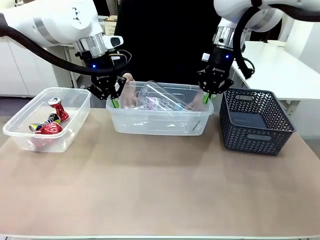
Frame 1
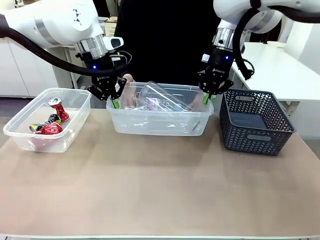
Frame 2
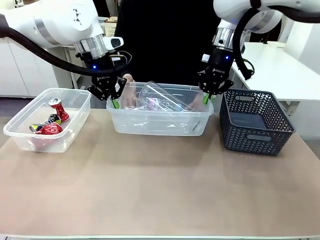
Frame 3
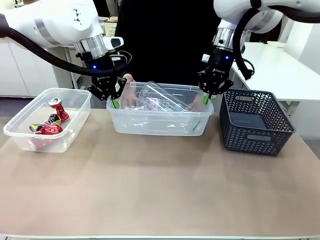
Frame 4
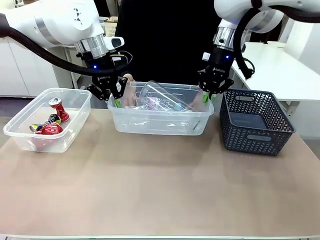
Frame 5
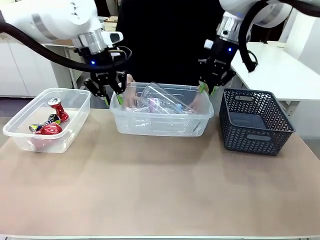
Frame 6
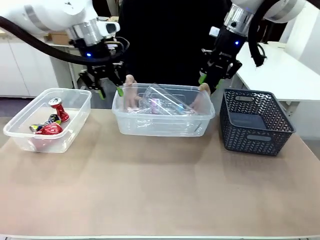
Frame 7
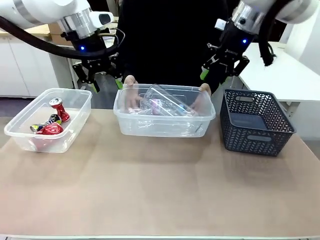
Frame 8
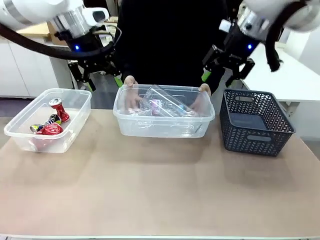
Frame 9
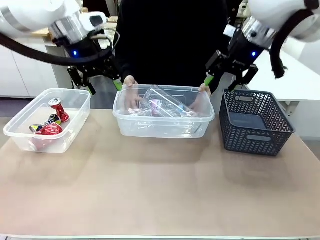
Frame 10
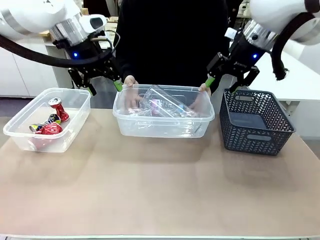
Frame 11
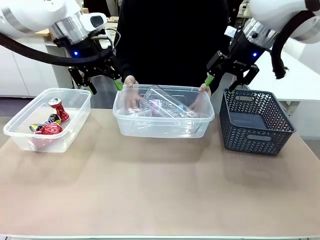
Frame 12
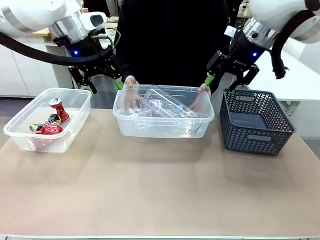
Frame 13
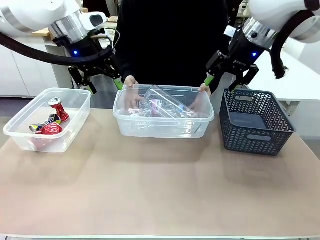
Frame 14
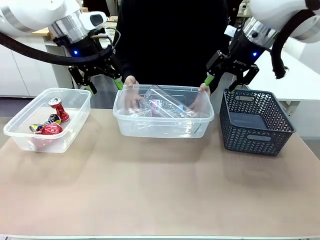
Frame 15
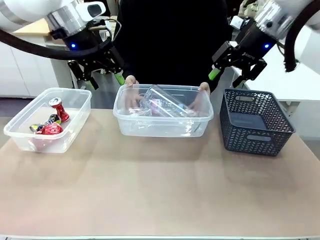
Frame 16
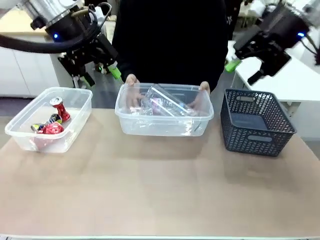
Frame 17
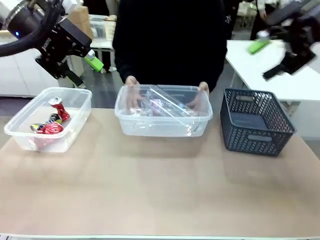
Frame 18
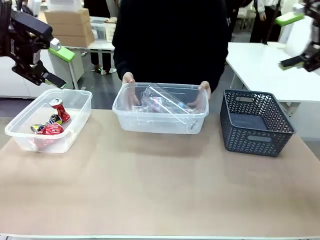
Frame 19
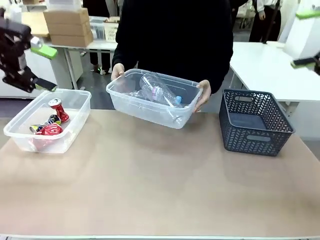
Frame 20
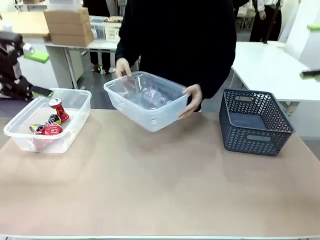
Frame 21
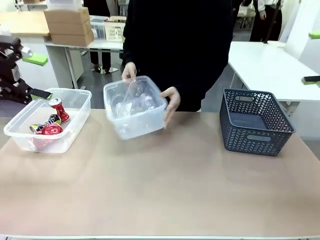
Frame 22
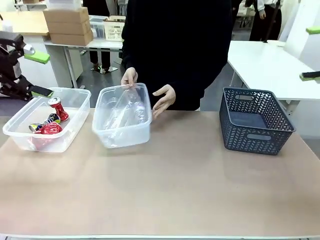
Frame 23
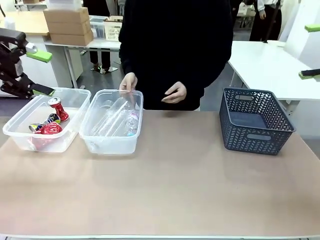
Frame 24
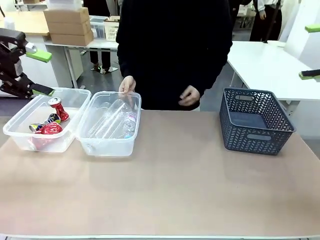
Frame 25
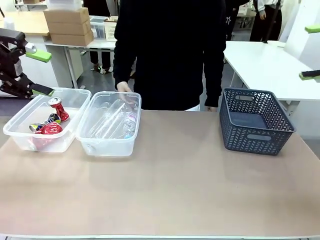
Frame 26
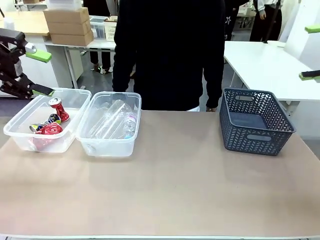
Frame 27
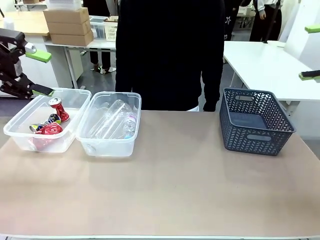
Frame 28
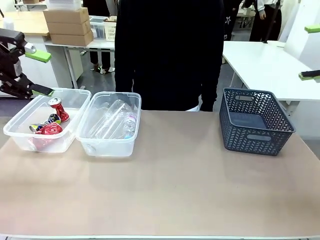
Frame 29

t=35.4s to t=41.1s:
Robot: Release the Organizing box you were holding.
Person: Pick up the organizing box extended by the robot. Place the organizing box to the left of the sorting box containing the can waste.

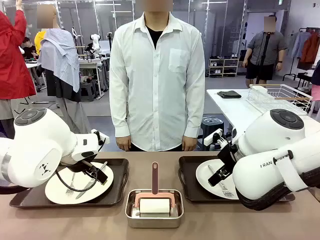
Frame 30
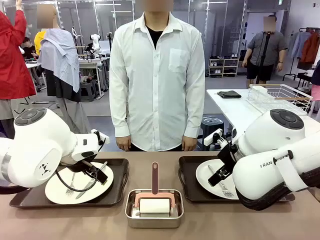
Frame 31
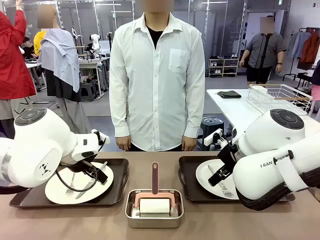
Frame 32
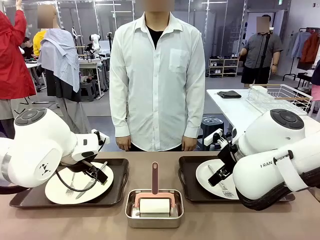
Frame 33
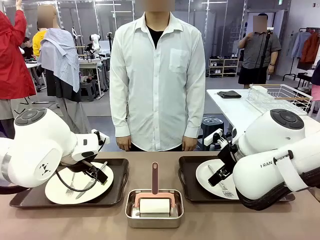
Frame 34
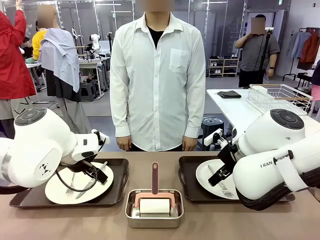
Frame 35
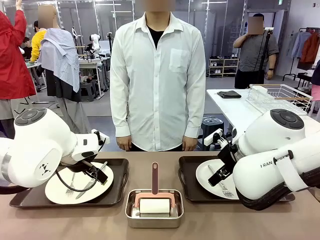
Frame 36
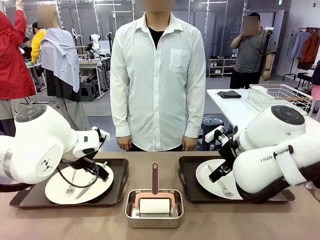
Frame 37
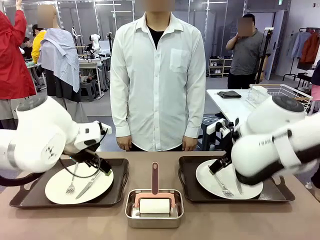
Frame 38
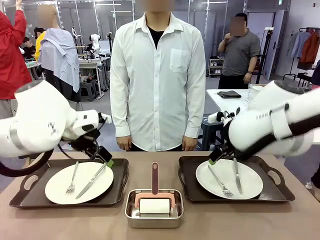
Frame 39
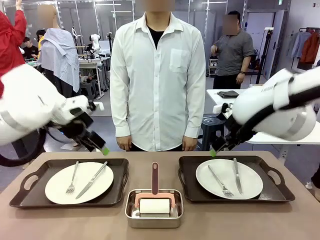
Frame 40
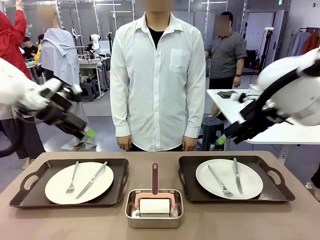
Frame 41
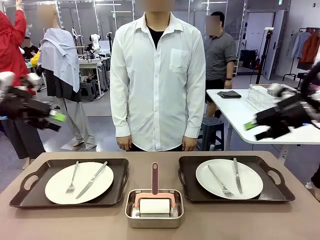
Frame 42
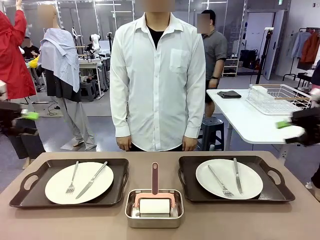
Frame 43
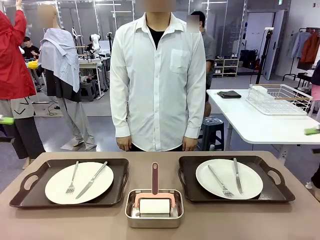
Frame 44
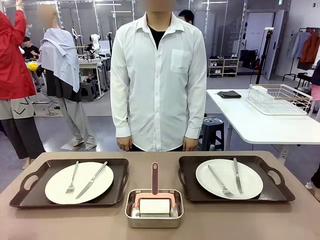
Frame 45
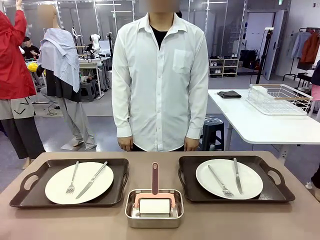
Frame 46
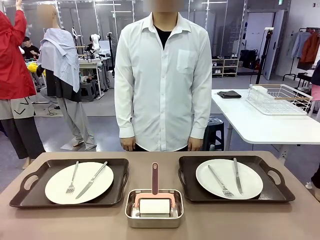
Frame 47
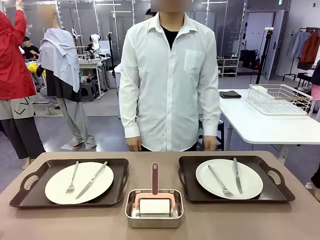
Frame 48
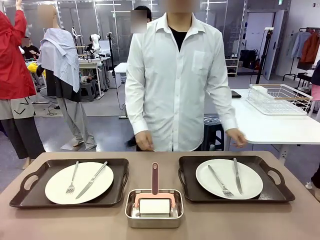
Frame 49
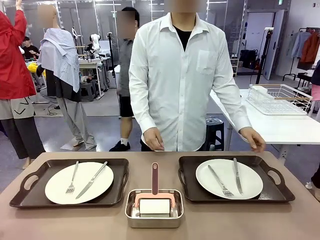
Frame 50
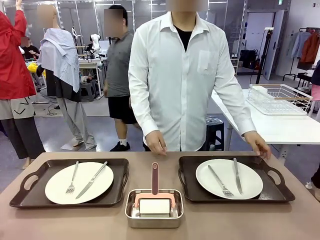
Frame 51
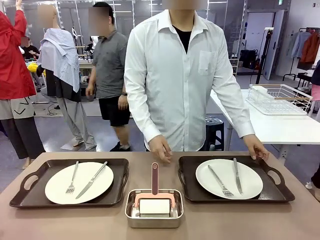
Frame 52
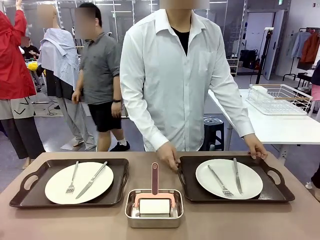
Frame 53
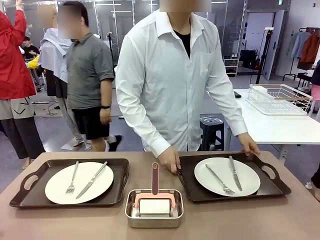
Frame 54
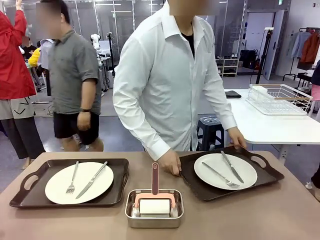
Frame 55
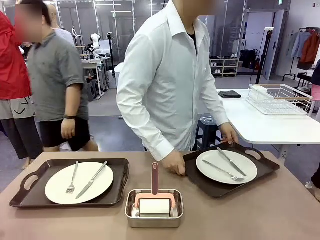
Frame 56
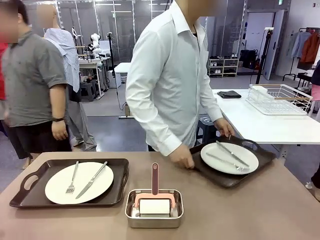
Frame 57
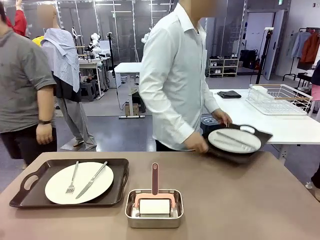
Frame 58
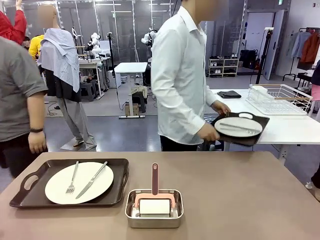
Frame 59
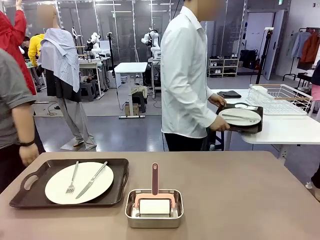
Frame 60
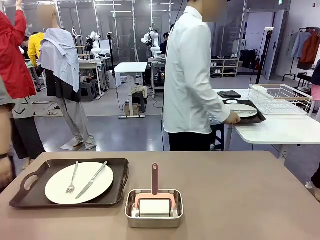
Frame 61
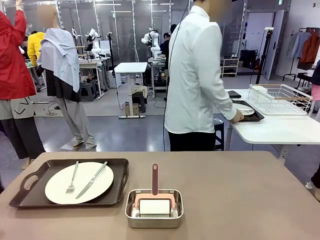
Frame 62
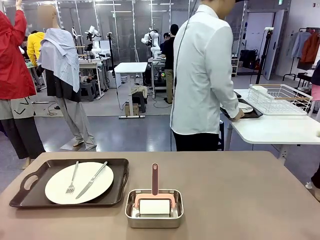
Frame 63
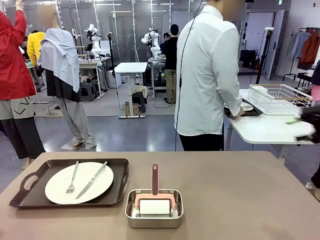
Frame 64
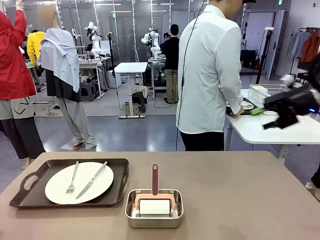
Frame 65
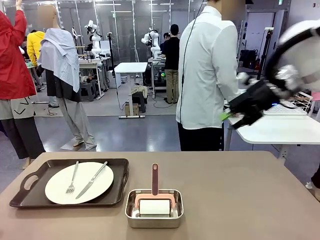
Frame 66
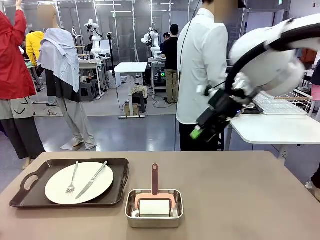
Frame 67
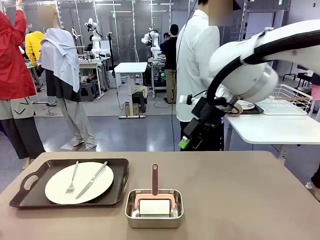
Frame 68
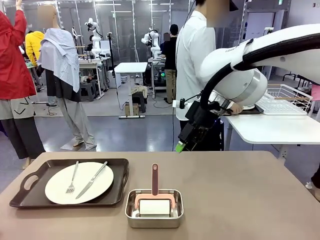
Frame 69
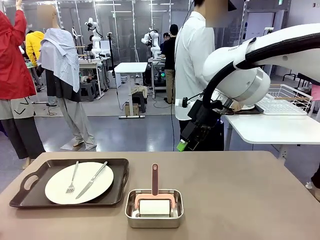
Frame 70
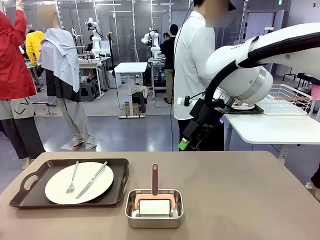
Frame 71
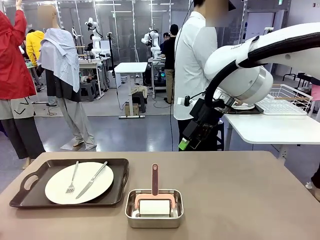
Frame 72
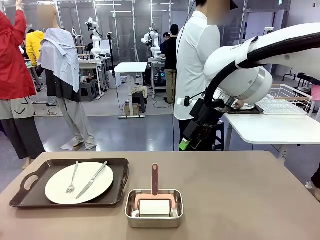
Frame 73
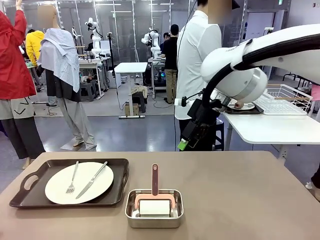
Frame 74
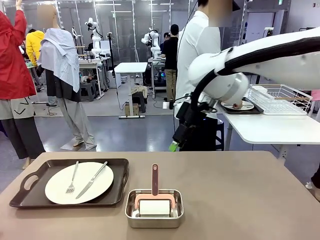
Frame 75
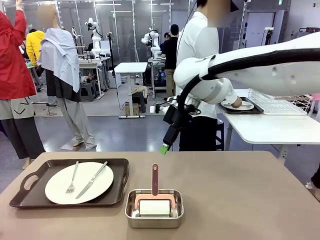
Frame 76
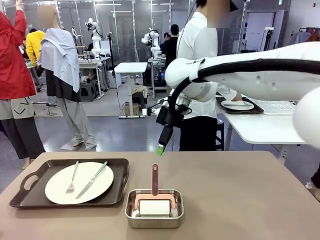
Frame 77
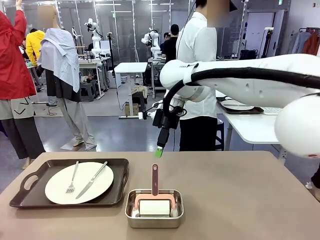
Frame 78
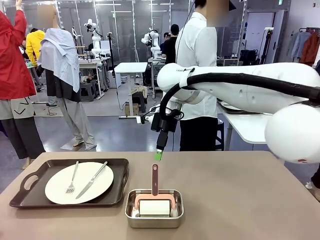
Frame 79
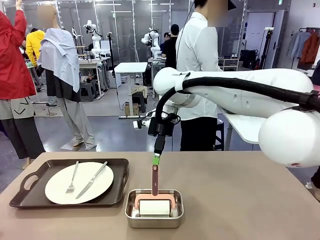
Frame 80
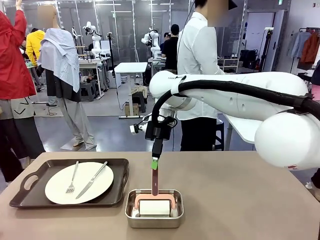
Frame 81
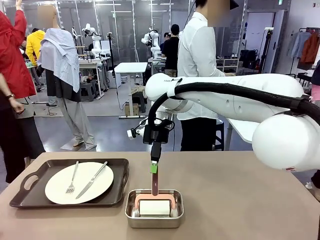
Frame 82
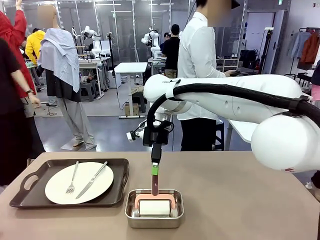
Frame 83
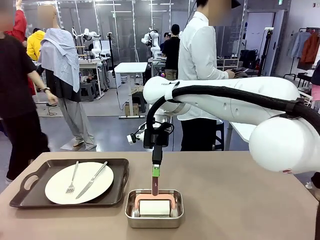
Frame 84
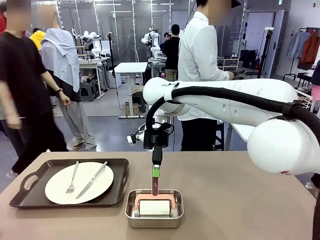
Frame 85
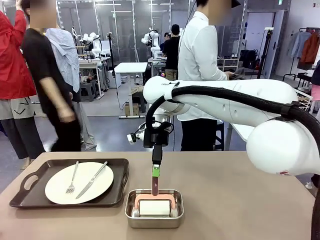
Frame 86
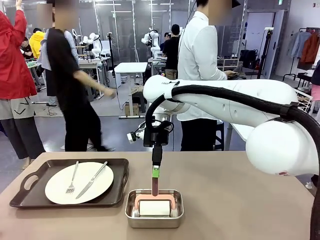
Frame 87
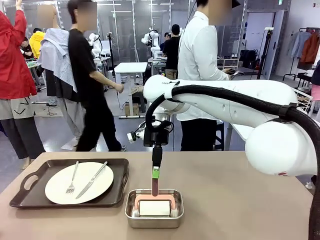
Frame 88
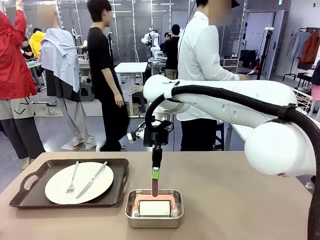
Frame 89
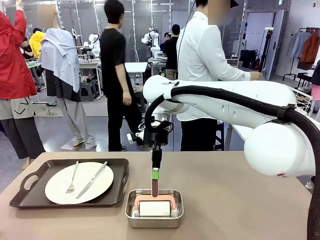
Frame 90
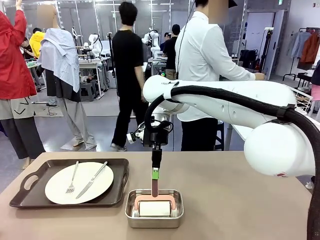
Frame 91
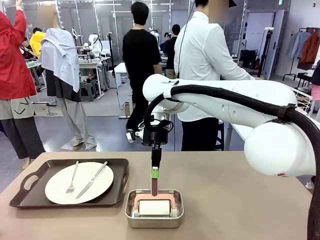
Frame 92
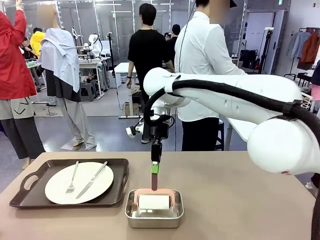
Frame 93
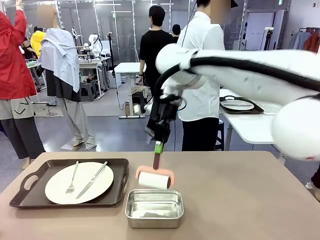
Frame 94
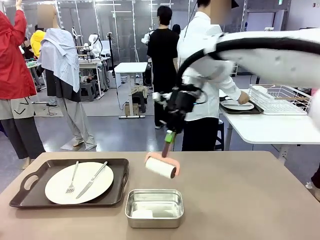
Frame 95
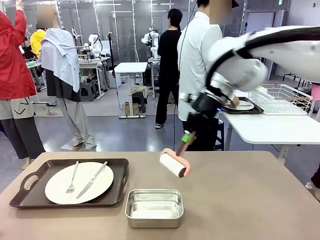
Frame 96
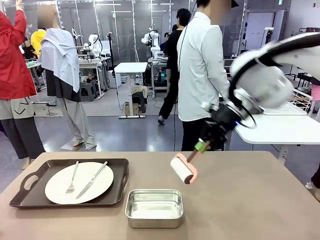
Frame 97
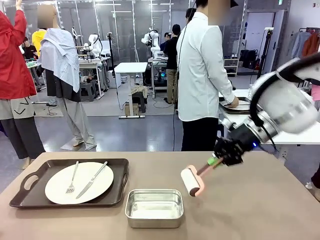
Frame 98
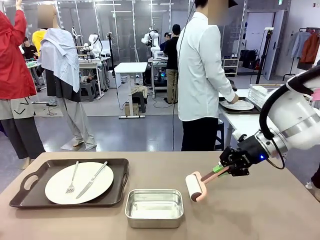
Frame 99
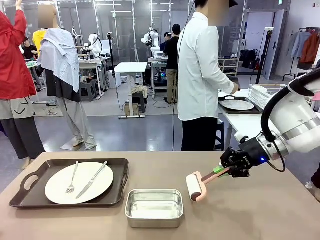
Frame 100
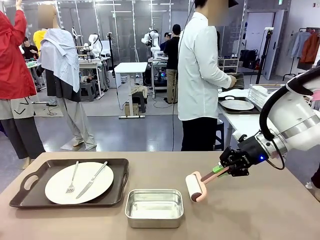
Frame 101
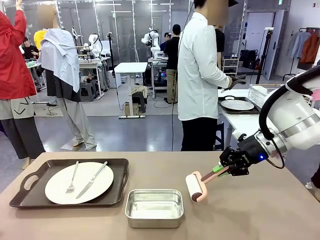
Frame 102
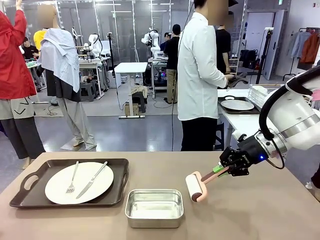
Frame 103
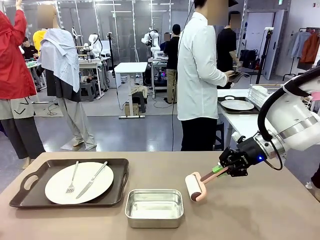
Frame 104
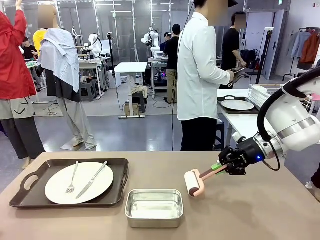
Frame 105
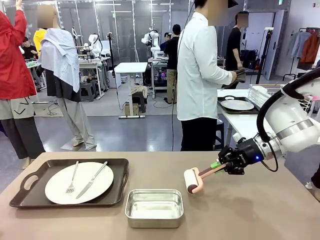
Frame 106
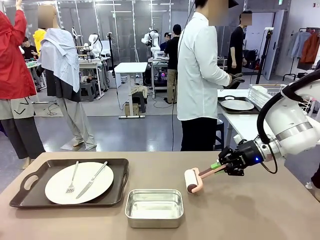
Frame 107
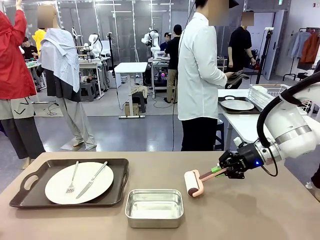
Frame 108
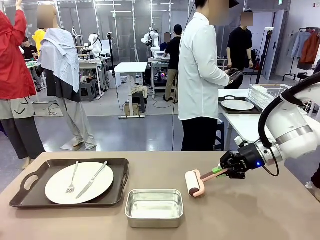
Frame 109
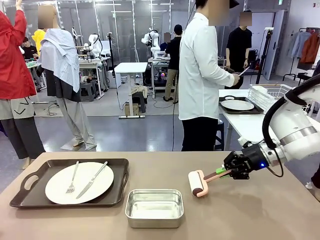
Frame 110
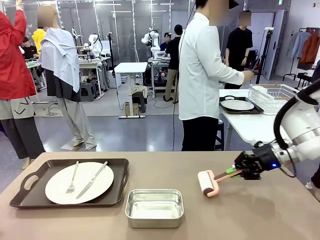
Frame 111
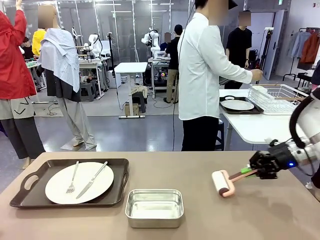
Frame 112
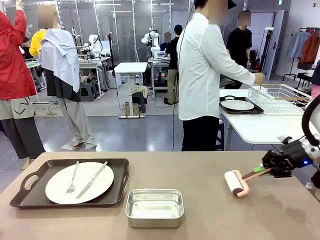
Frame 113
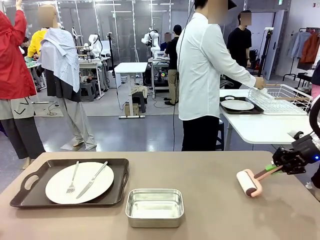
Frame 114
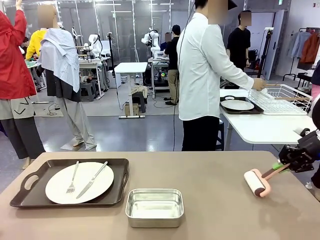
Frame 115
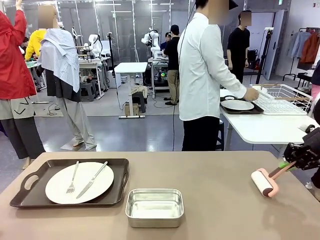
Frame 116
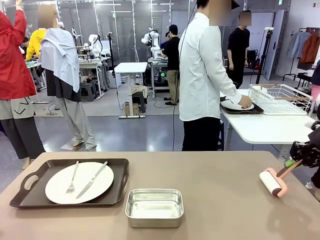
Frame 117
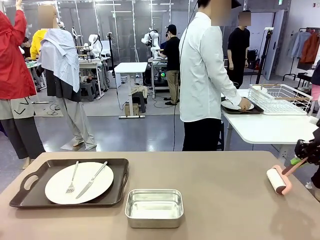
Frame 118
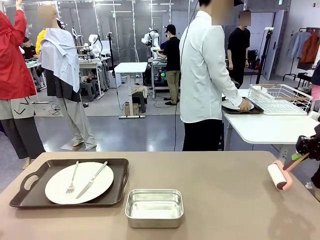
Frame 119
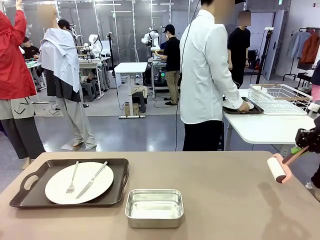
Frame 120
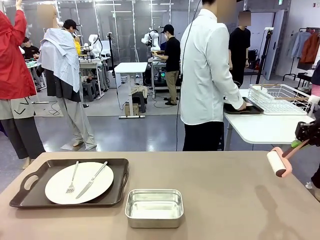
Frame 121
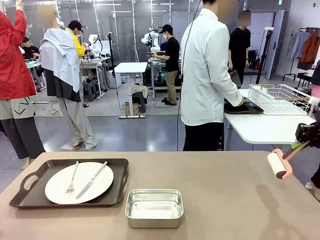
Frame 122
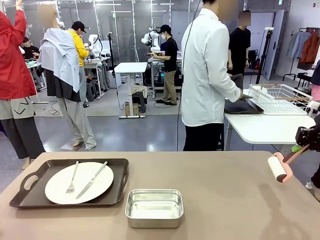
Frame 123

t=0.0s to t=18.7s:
Robot: When the left (or right) Handle tray is removed, use the left hand (or right hand) to clean the left (or right) side of the table with the Lint Roller.
Person: Pick up the left (or right) Handle tray and place it on the middle of the Human's table. Use the Towel with hook to wipe the Plastic Matte Plate , Fork , and Knife and place into the Dish drying rack.
